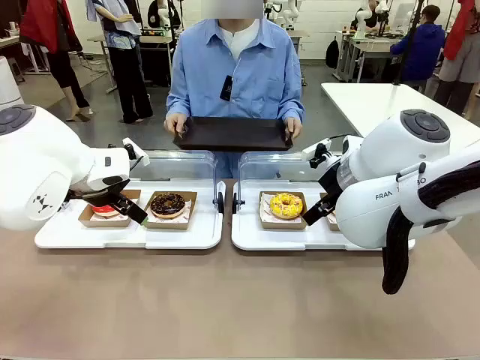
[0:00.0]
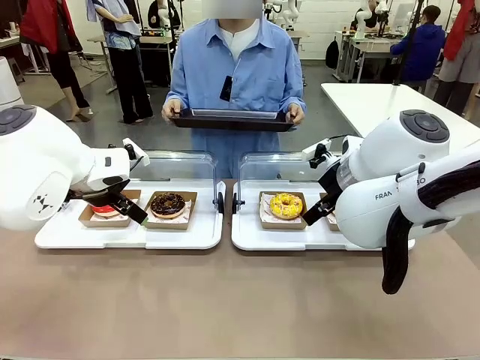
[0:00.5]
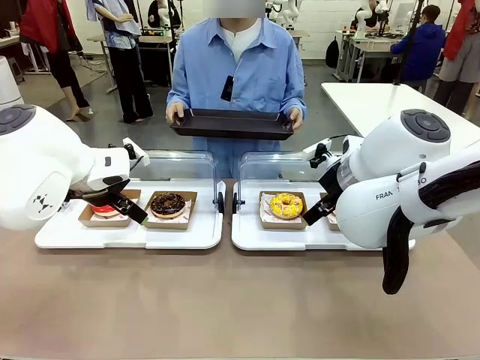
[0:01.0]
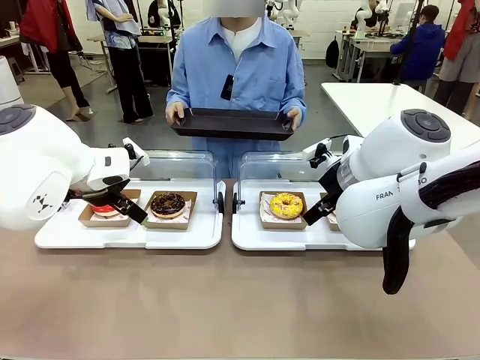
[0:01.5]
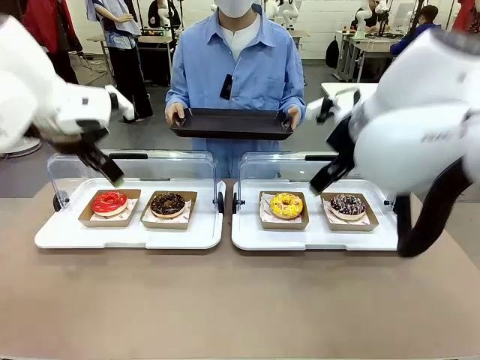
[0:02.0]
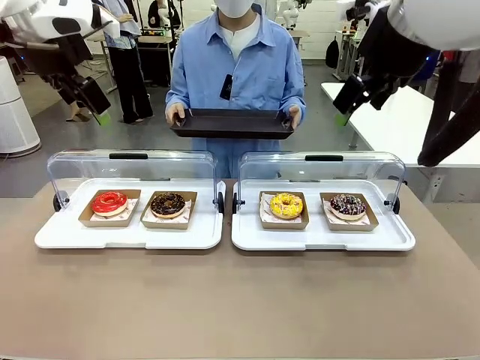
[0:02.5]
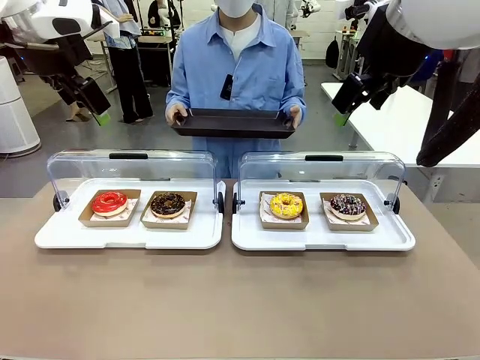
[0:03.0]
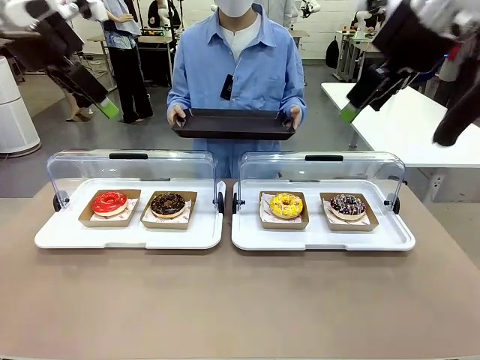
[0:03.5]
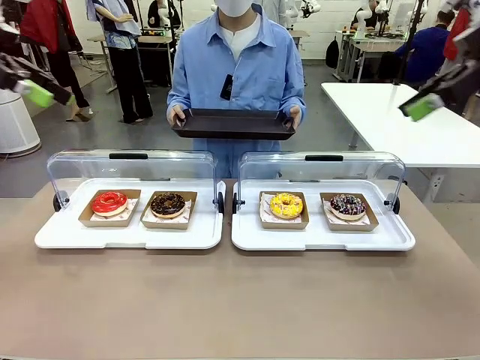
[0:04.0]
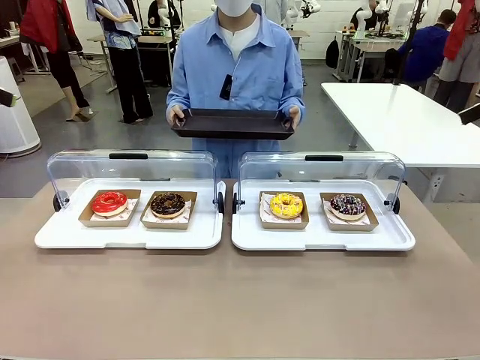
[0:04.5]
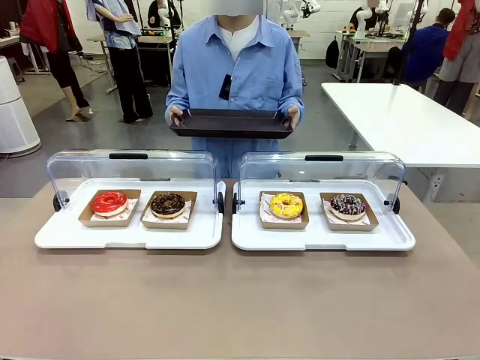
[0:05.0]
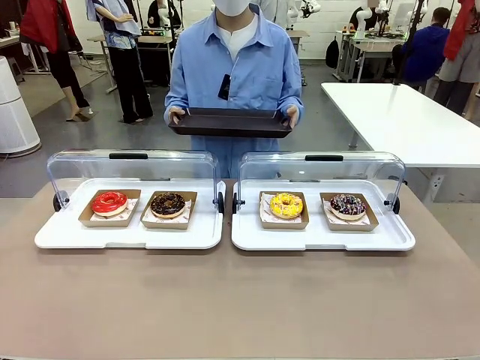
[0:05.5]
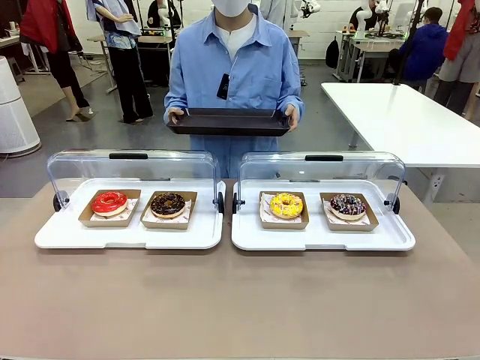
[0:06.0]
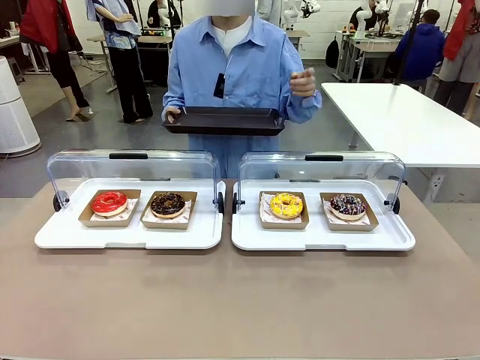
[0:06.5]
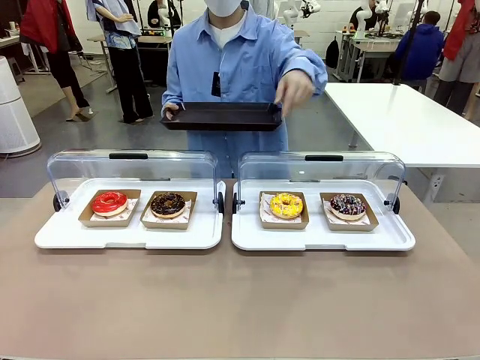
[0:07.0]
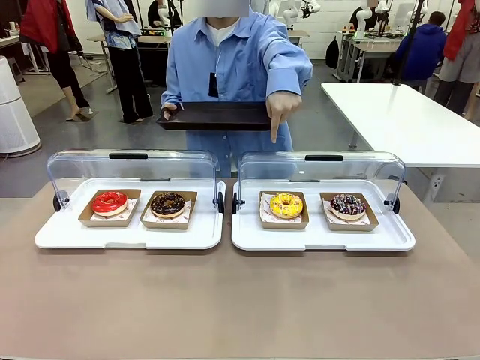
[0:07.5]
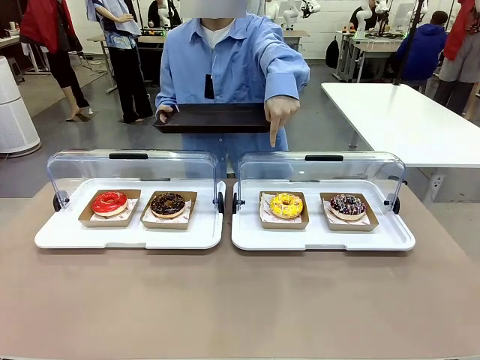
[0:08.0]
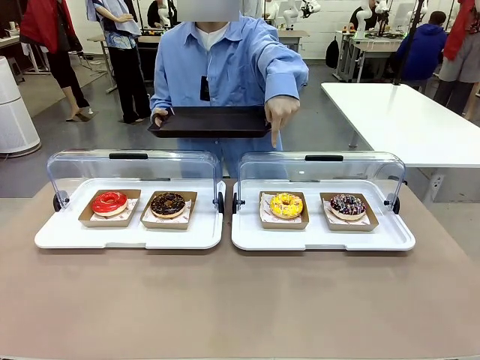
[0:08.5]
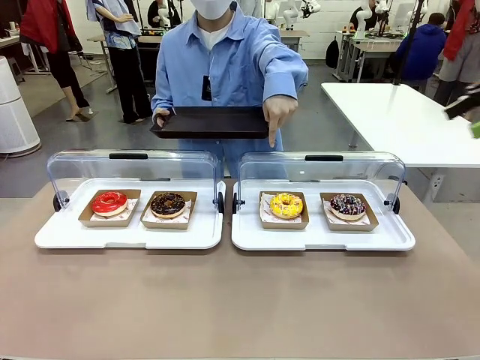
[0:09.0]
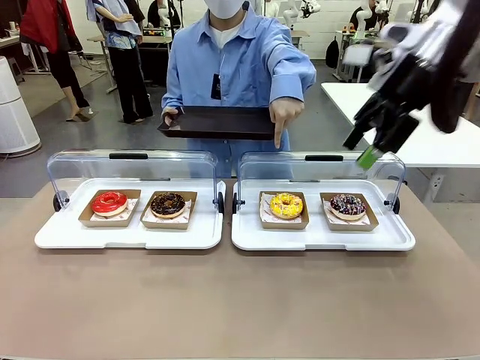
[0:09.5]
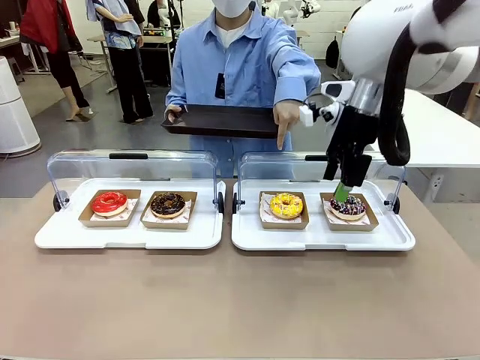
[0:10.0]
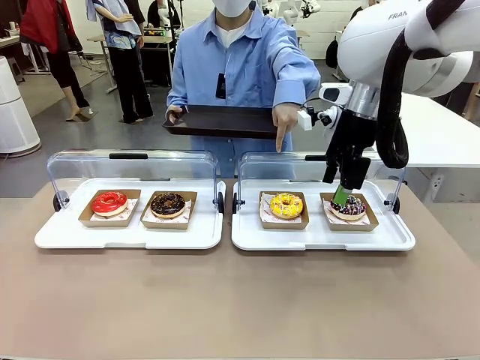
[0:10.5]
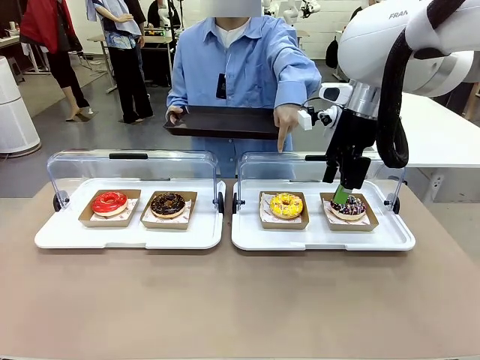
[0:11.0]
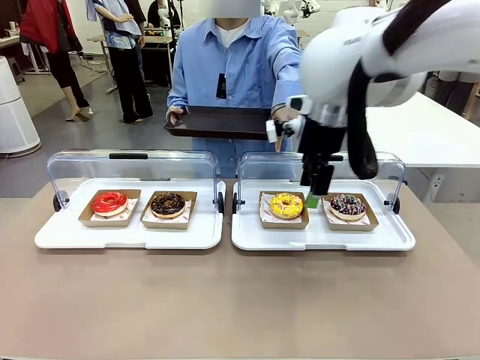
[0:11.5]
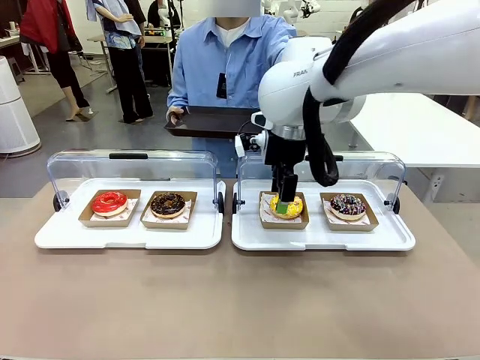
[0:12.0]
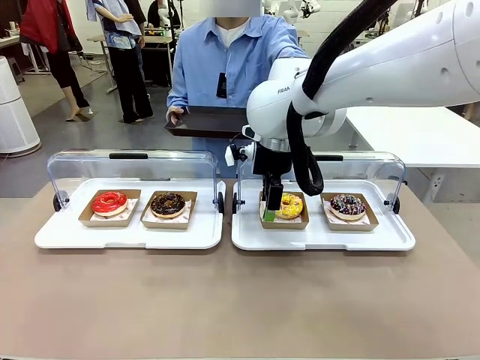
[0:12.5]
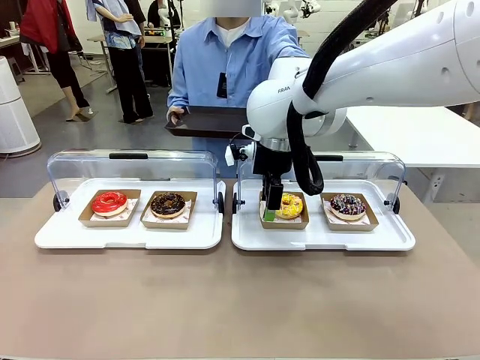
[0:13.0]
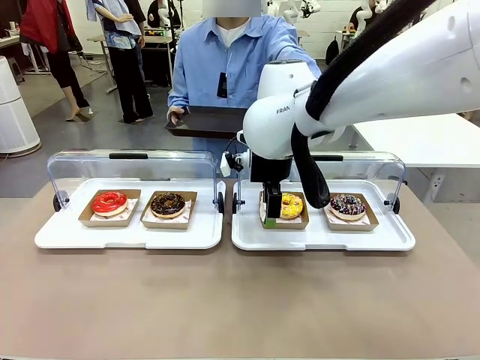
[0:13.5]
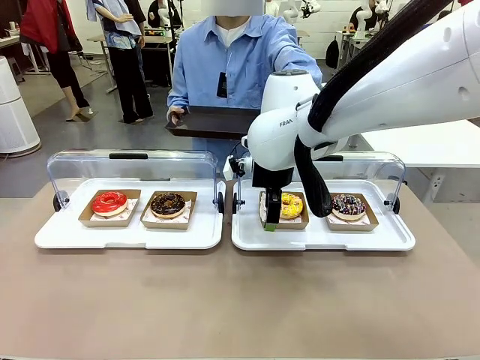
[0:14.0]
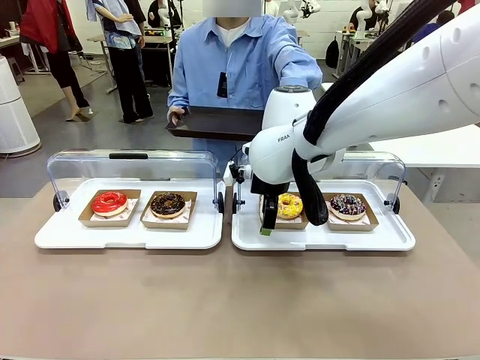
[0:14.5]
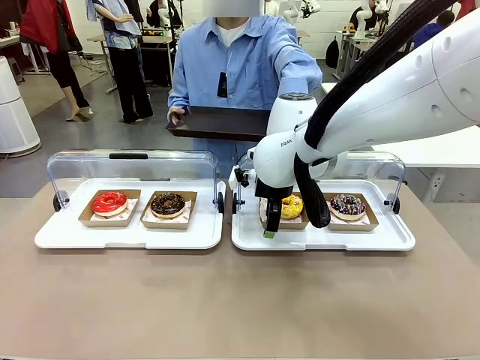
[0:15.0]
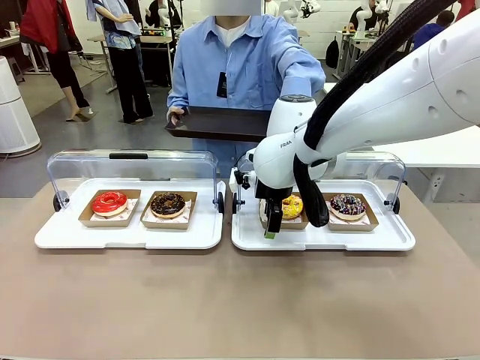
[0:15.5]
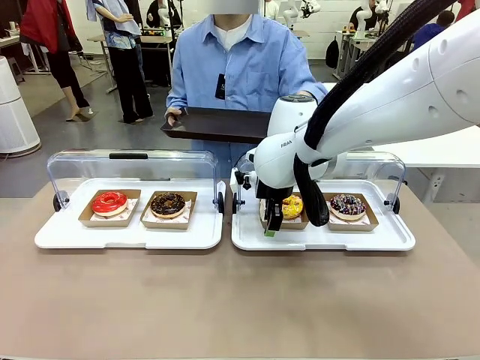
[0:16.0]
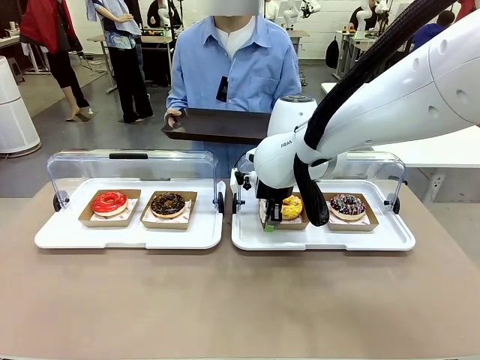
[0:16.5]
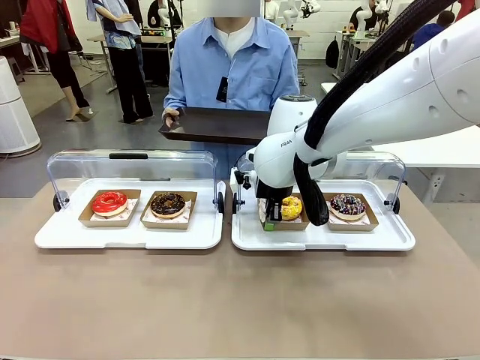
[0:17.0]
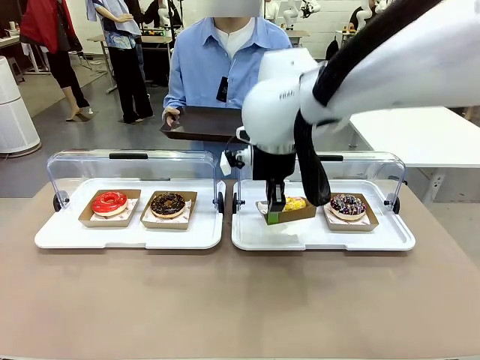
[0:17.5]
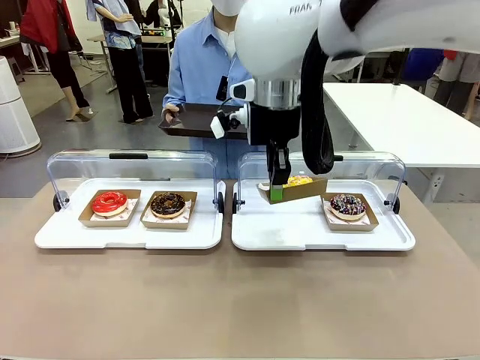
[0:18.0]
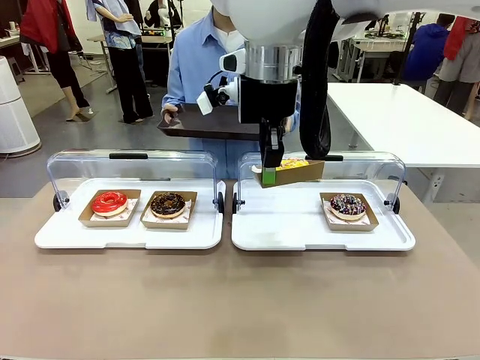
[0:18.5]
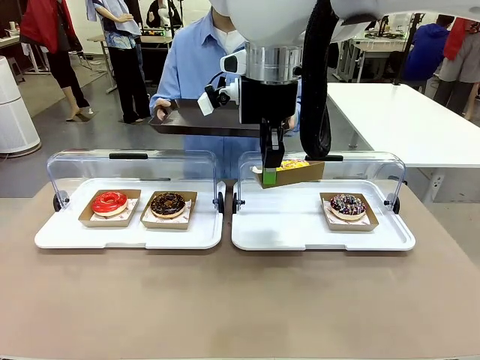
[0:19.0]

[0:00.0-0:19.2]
Task: Provide the desired donut to the person.
Robot: Pick up and lift the Paper togo box containing the Donut pointed at by the person.
Person: Point to one donut. Lift the tray onto the Roll-Top Bakery Case.

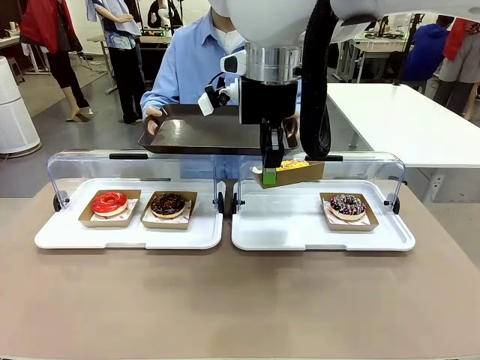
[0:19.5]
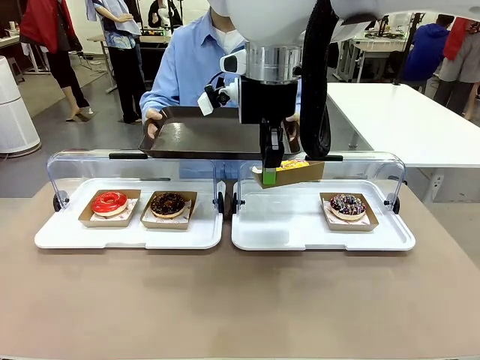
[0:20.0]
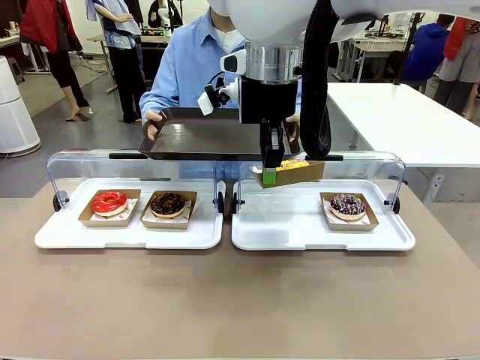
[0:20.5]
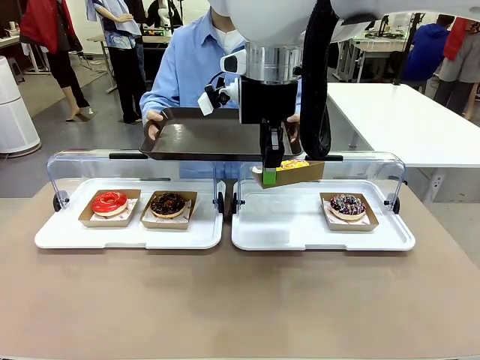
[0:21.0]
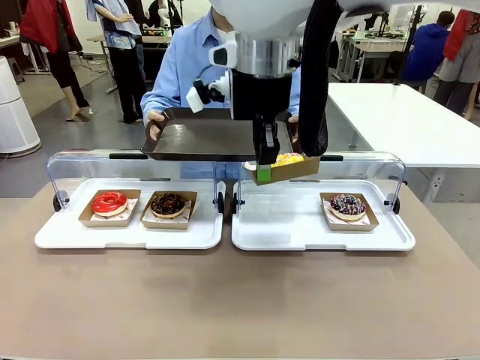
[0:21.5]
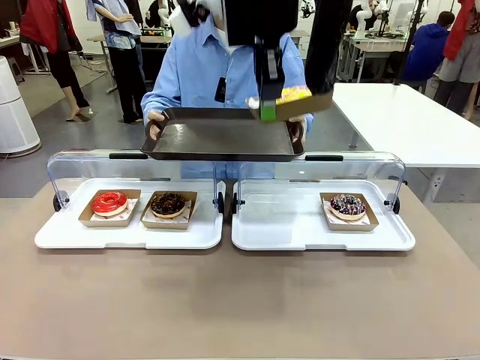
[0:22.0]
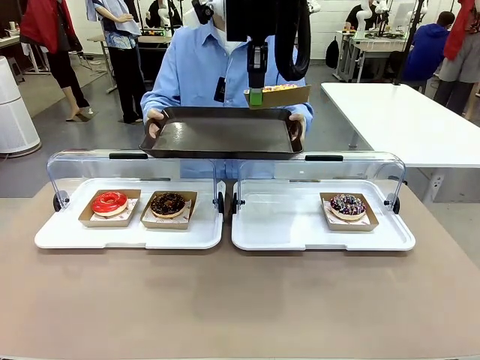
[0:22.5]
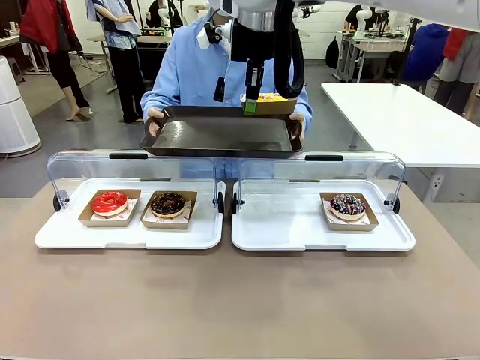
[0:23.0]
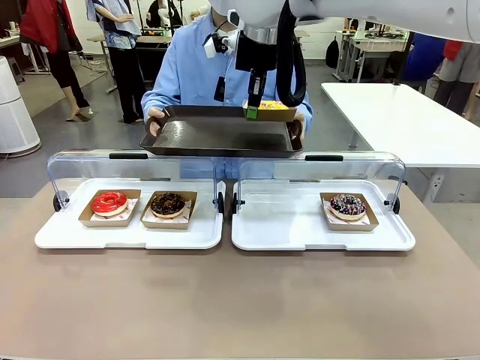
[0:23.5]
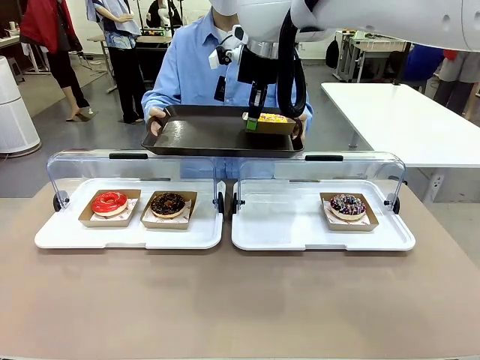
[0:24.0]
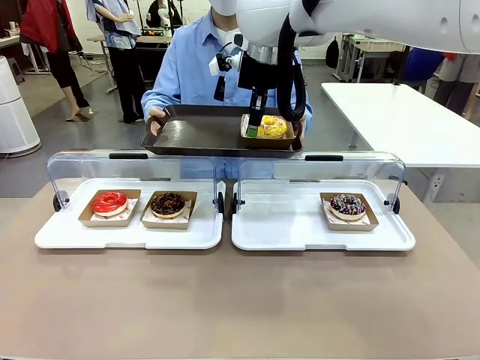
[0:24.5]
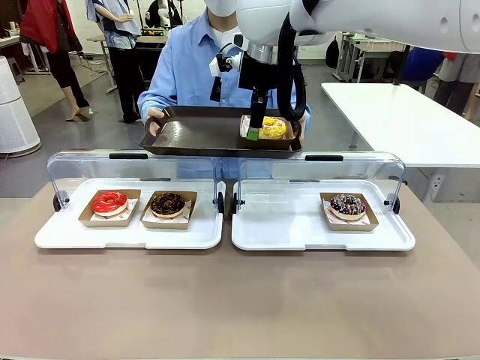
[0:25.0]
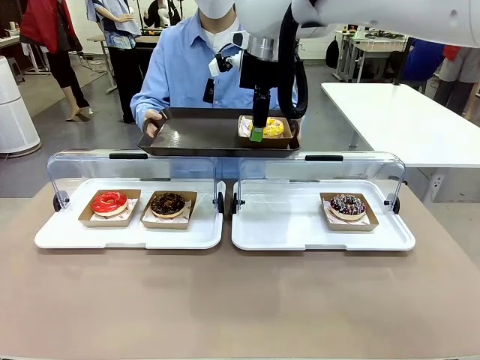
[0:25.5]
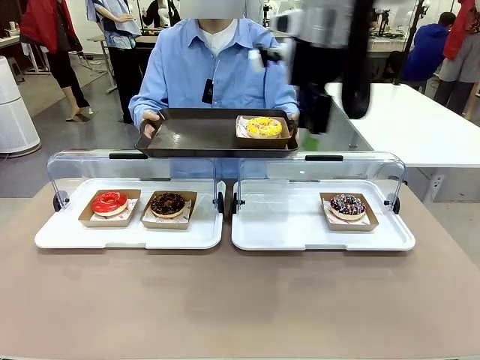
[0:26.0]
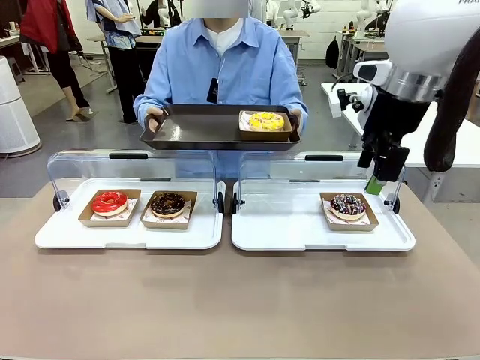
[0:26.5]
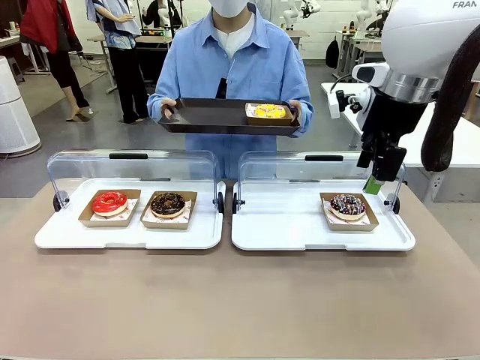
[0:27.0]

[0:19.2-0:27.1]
Robot: Place the picked Paper togo box onto the Handle tray extended by the person.
